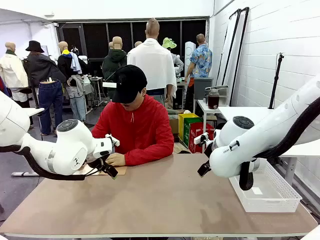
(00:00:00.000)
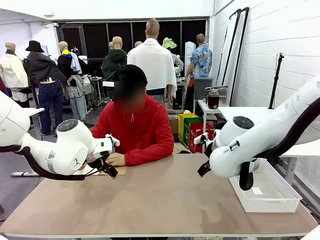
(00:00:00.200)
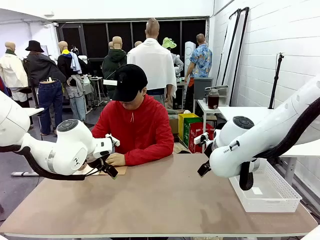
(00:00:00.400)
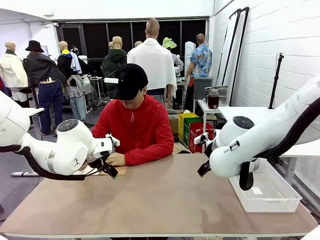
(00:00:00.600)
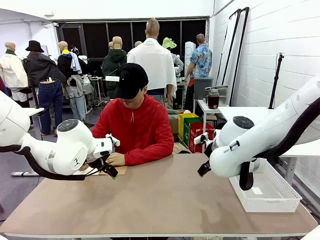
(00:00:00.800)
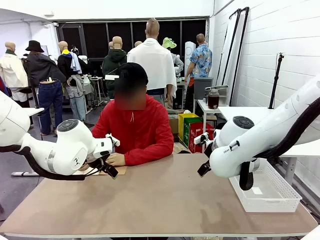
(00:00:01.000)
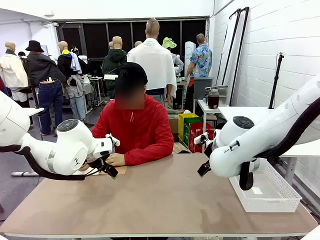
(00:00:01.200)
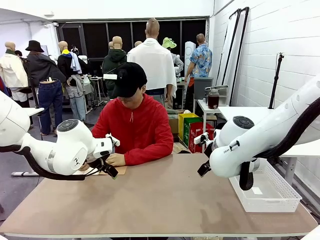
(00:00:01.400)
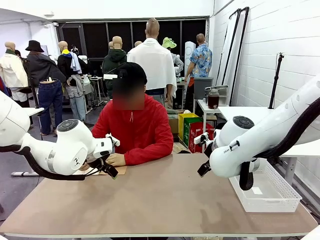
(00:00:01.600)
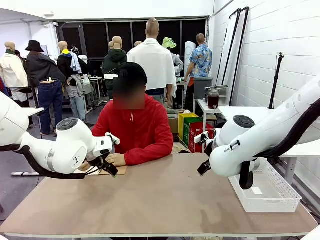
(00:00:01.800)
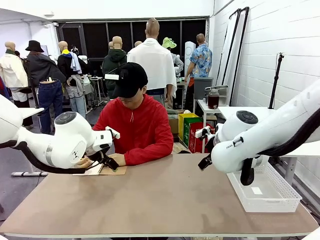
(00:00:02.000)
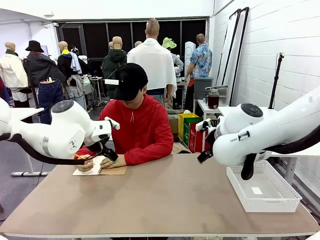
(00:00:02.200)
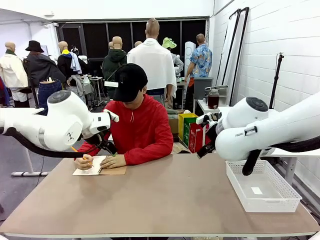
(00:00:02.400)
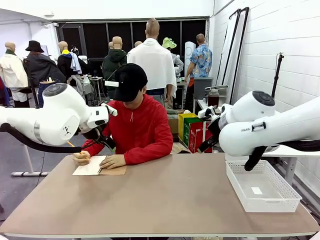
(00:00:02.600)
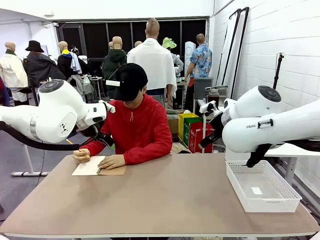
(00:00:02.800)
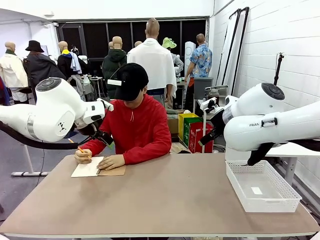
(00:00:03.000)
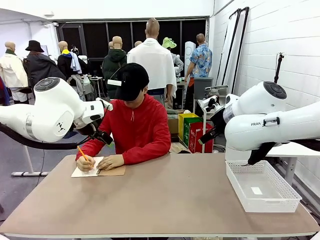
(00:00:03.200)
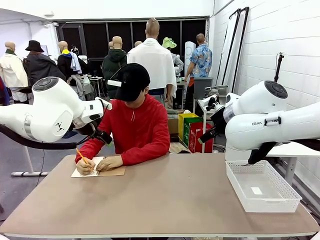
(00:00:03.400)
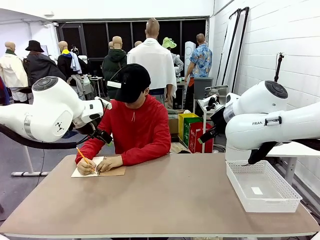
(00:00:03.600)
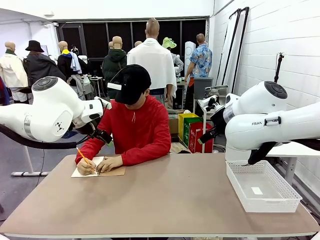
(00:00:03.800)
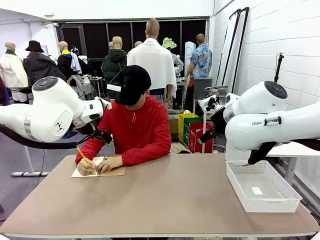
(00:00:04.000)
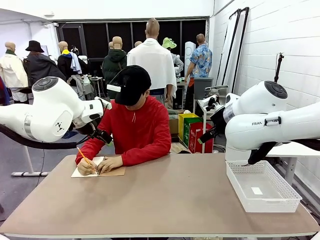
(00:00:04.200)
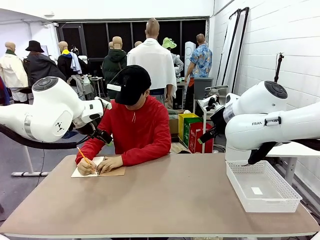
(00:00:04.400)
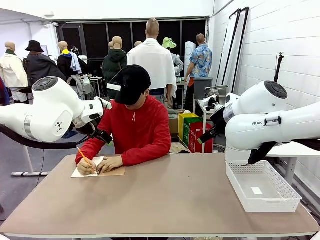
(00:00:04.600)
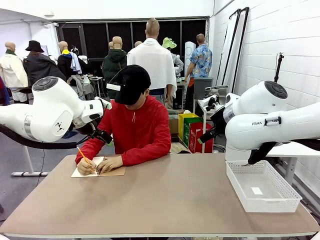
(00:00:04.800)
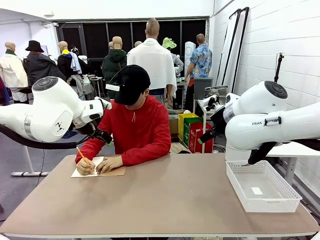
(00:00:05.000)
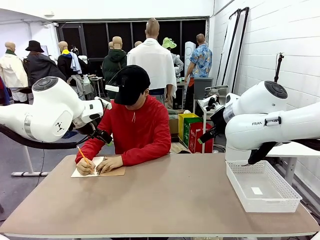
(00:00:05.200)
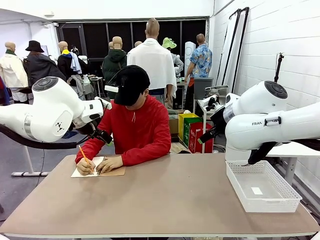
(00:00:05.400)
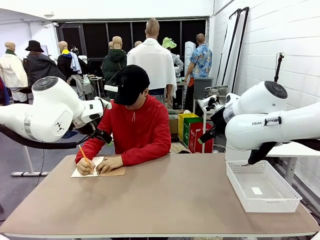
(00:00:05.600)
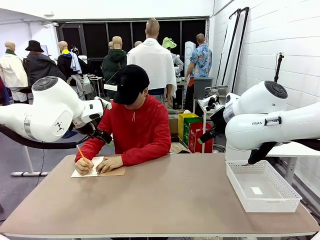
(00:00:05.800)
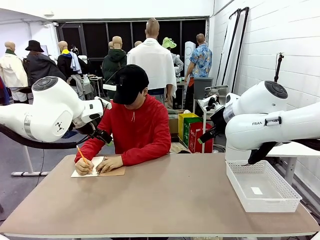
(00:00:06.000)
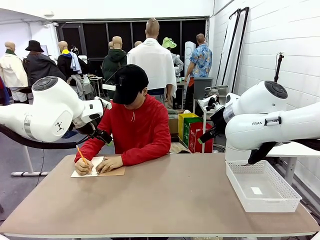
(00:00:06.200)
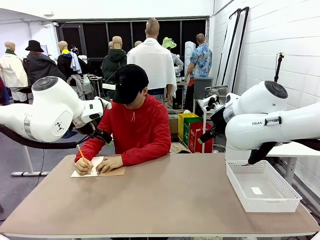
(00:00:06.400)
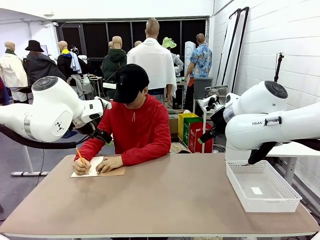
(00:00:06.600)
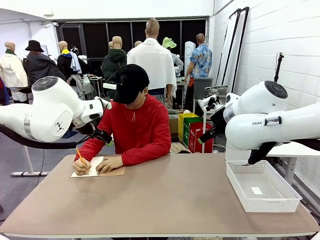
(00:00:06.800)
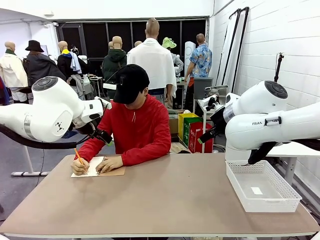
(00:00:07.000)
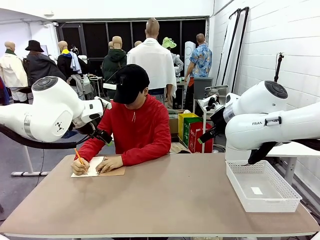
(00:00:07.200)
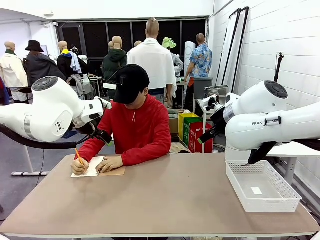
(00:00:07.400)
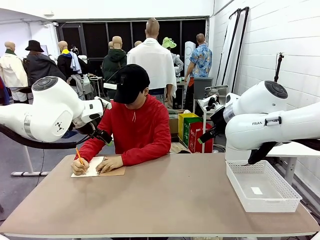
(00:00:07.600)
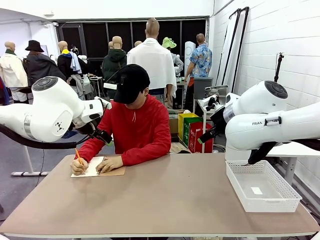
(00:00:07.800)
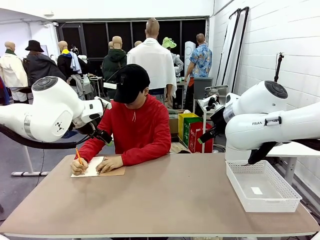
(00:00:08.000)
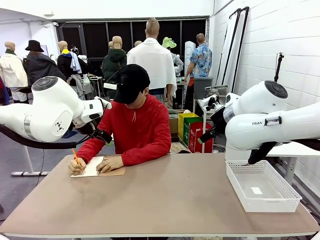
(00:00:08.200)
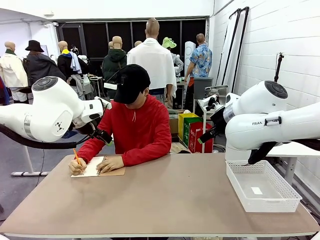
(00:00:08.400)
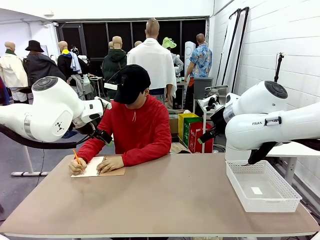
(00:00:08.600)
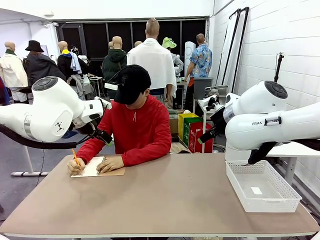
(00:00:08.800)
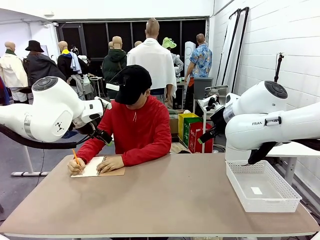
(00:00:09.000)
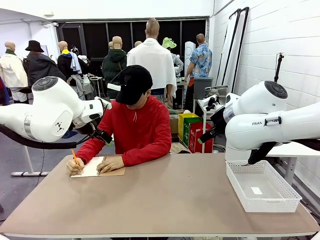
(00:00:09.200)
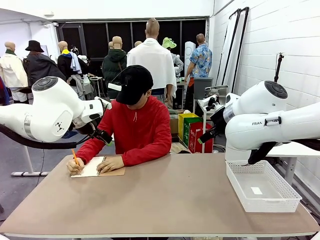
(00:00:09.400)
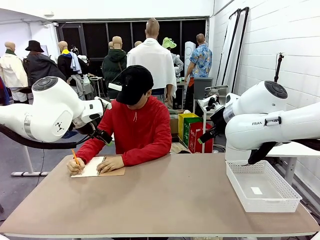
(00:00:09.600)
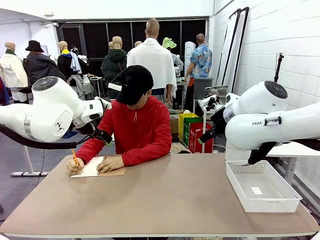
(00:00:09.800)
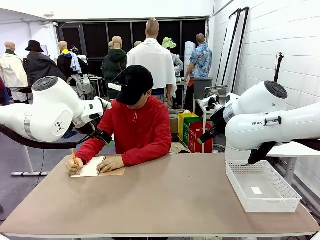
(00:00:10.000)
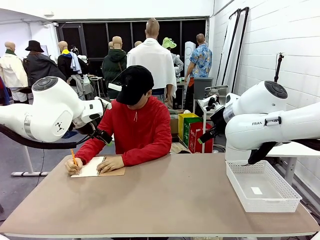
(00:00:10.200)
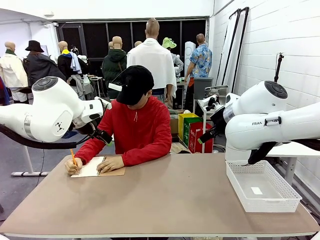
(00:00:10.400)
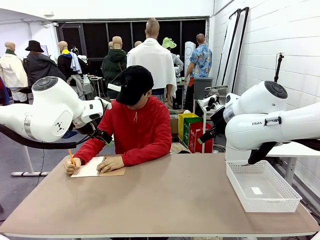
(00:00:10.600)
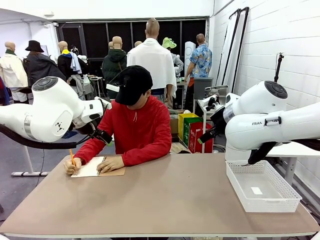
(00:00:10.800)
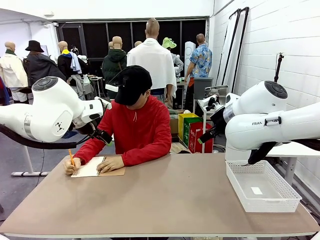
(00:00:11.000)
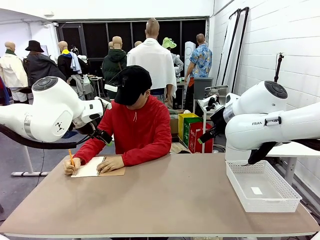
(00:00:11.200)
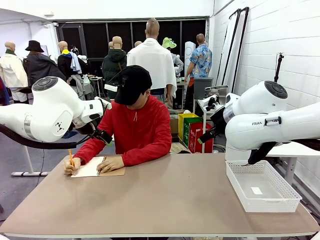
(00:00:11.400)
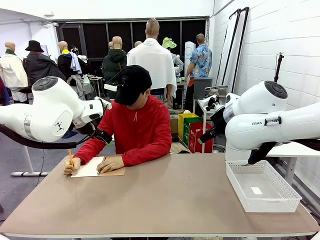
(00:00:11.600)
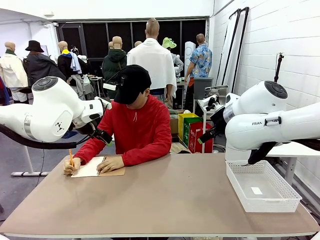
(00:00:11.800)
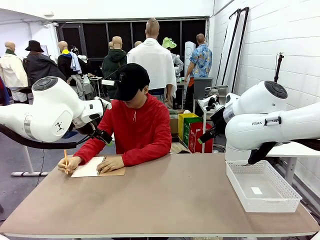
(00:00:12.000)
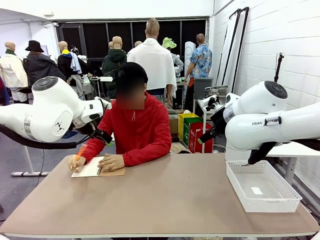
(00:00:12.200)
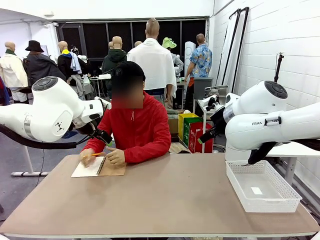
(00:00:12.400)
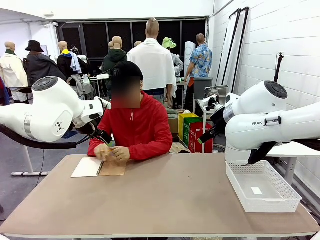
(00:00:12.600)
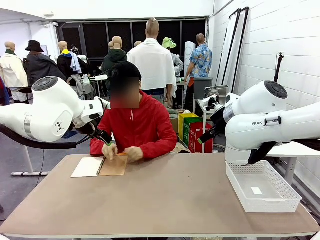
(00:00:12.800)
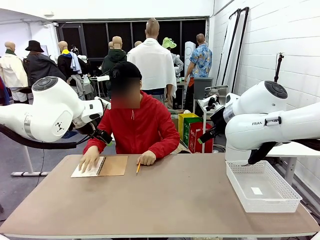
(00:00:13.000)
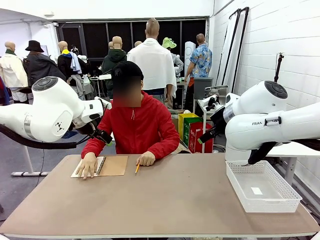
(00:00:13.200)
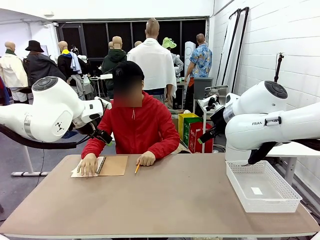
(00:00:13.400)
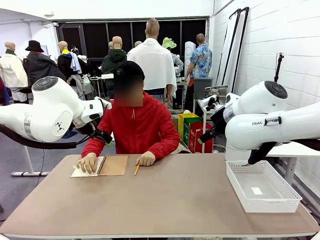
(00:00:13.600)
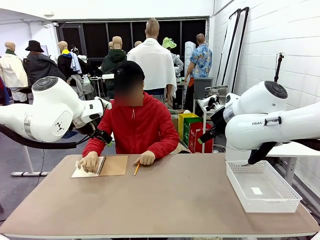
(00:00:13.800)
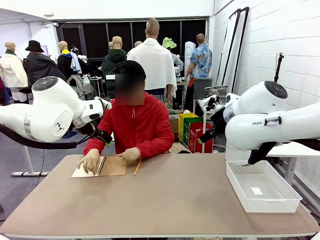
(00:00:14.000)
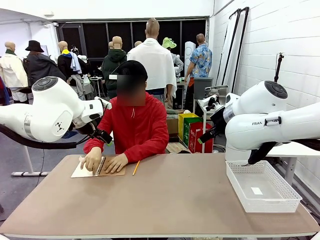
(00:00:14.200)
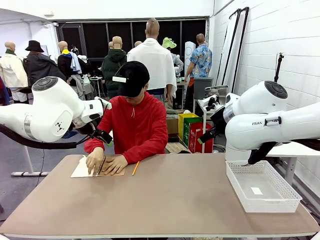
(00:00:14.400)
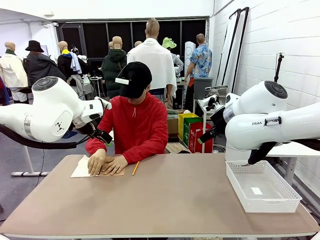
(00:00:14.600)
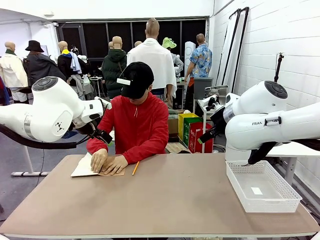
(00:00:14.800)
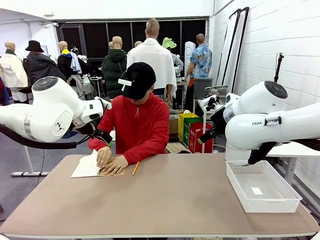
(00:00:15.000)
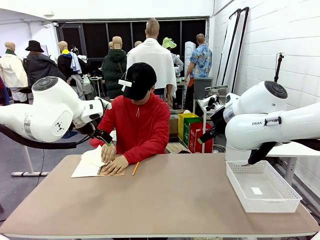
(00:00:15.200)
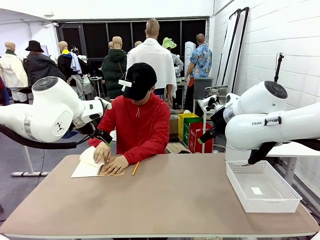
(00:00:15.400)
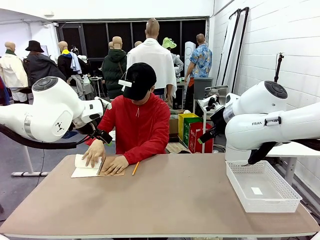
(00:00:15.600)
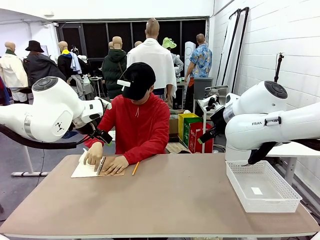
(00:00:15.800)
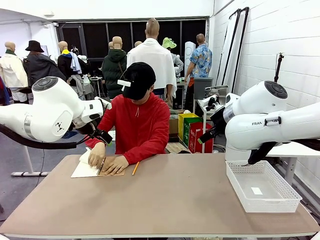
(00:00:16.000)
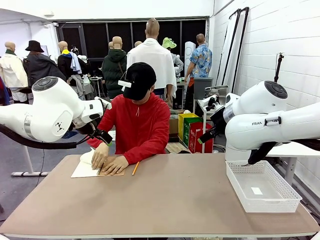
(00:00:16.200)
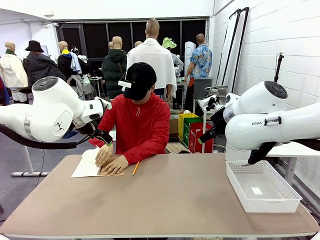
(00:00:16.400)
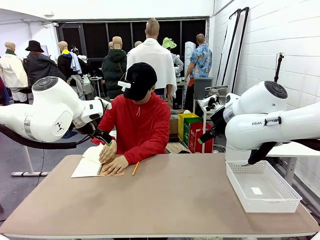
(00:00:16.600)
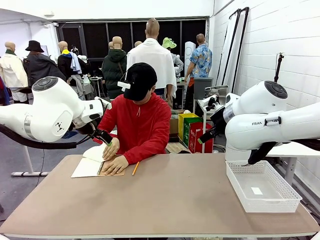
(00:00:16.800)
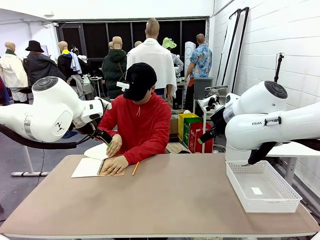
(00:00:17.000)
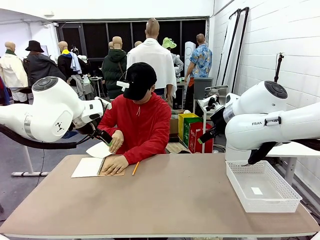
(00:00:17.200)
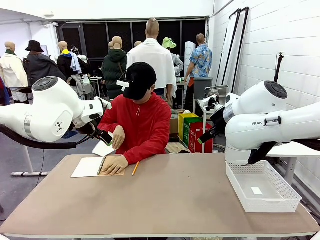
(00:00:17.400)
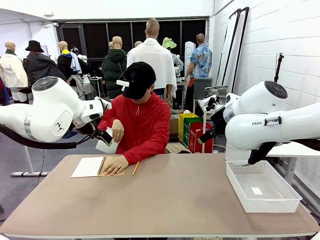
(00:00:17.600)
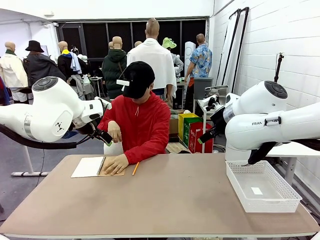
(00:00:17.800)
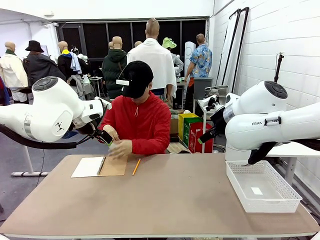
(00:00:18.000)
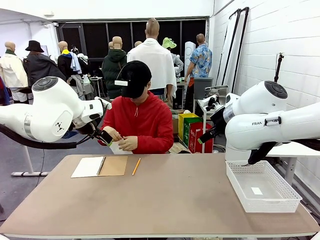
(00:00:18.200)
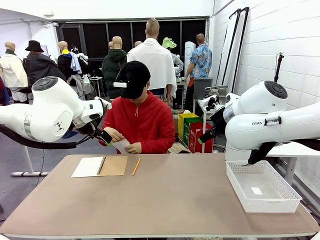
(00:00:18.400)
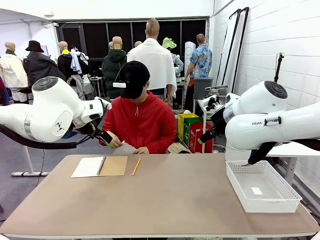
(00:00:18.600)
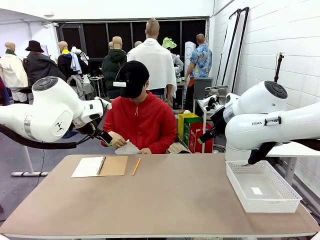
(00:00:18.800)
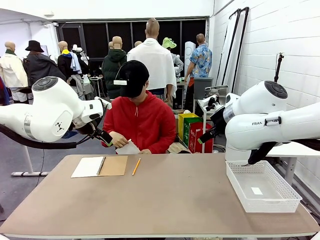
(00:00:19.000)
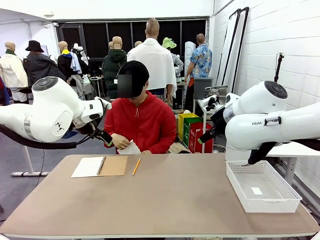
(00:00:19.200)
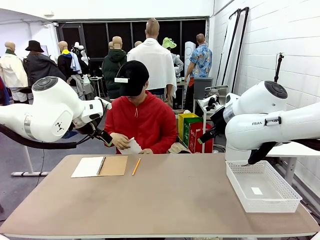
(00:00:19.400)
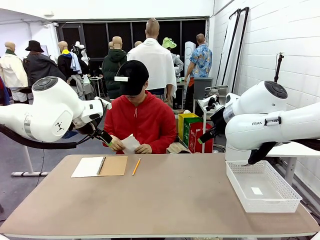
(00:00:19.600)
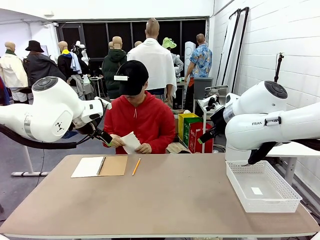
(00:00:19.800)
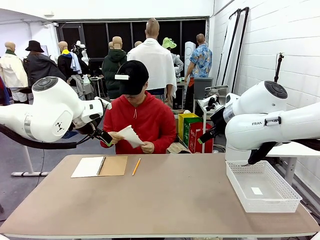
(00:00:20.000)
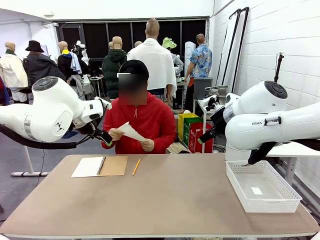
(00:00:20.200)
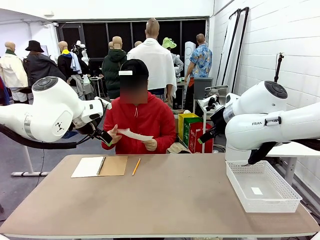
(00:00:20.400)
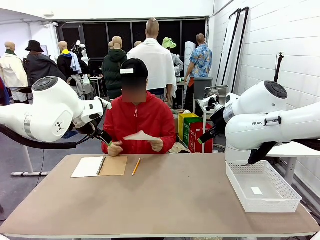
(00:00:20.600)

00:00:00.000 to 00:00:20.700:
Task: Sort the paper based on its condition.
Robot: If a person hands you a paper, place it in the Organizing basket , and if it's crumpled, put it in the Trash can.
Person: Tear out a page from the spiral notebook. Hand the torn page to the robot or crumple it and throw it to the center of the table.
